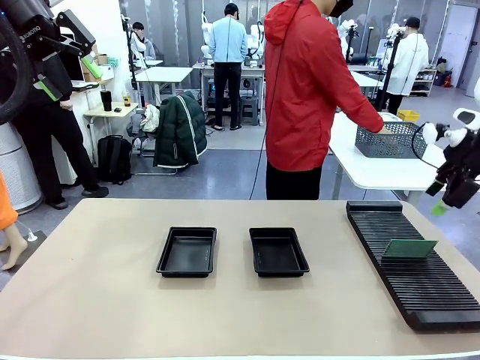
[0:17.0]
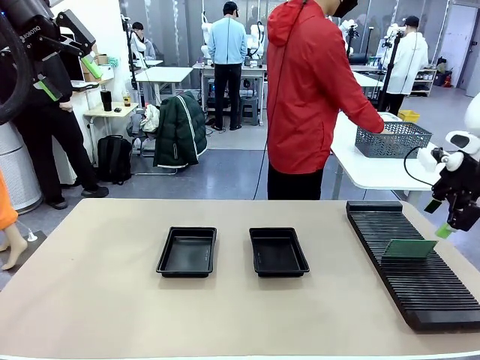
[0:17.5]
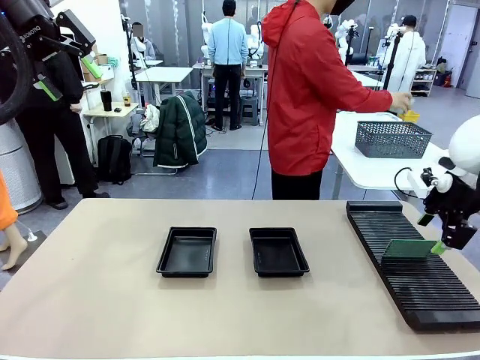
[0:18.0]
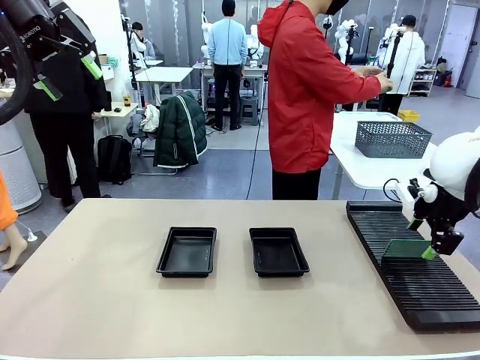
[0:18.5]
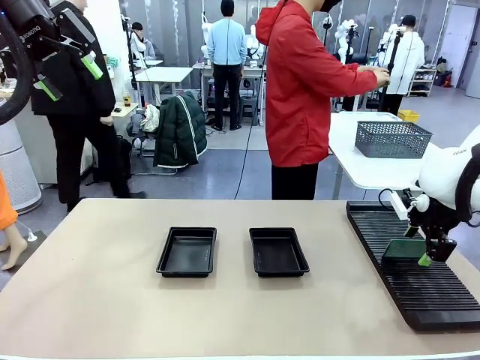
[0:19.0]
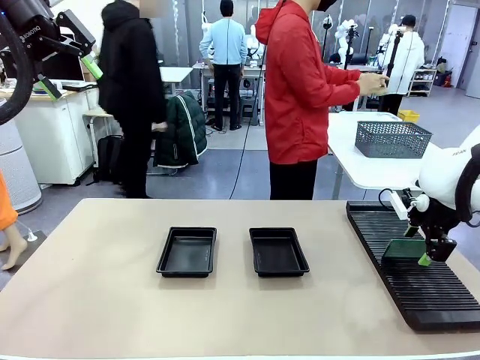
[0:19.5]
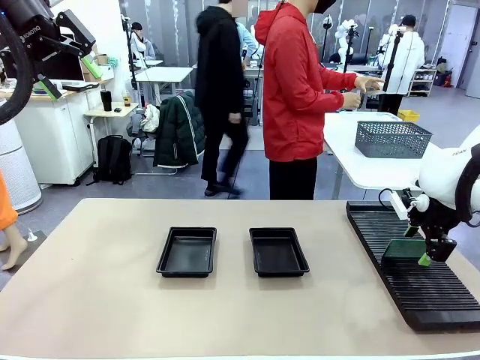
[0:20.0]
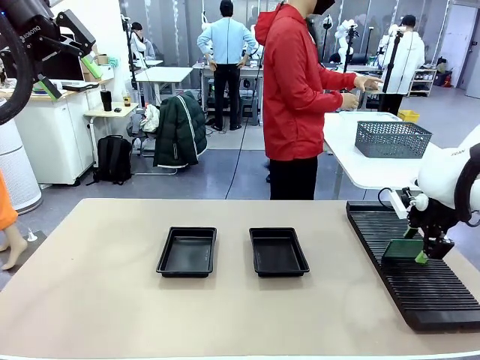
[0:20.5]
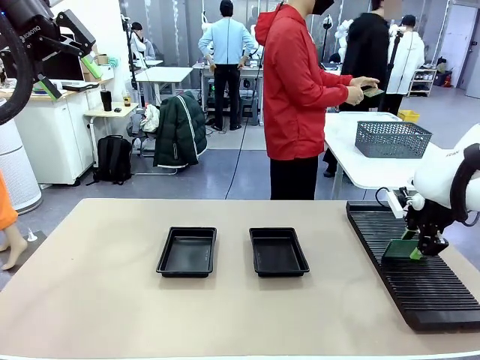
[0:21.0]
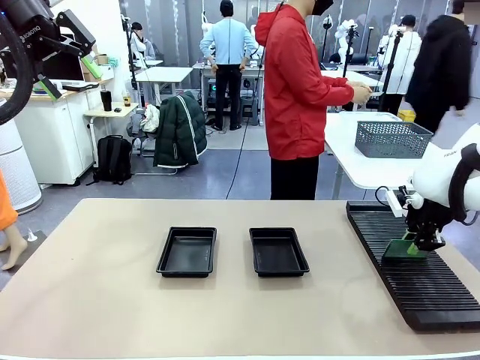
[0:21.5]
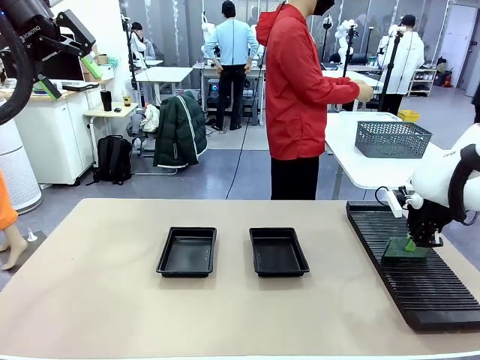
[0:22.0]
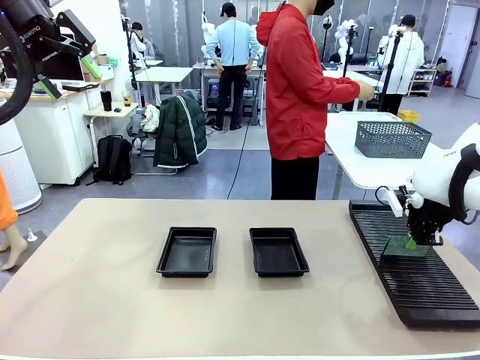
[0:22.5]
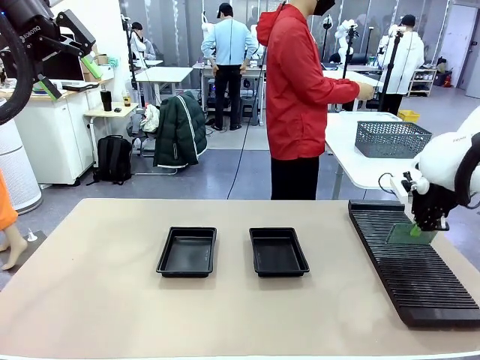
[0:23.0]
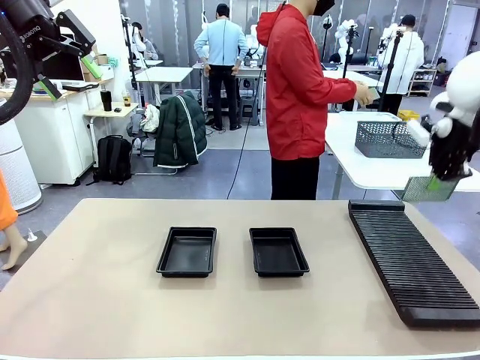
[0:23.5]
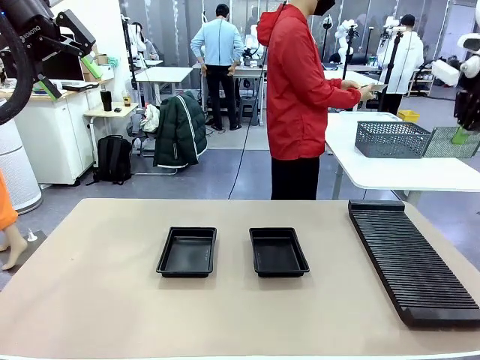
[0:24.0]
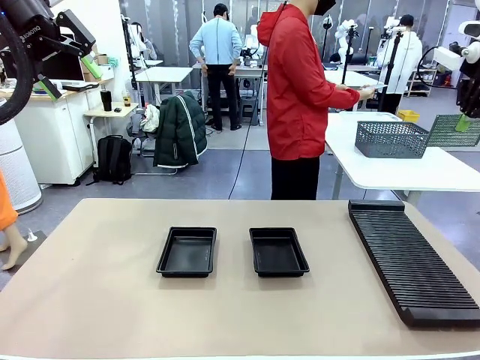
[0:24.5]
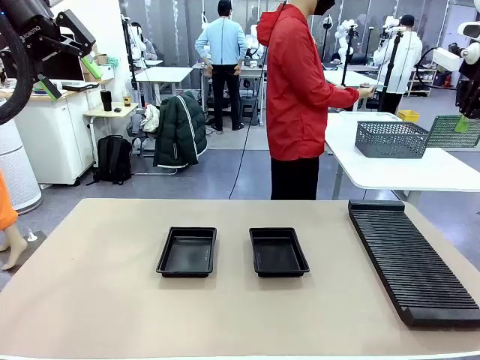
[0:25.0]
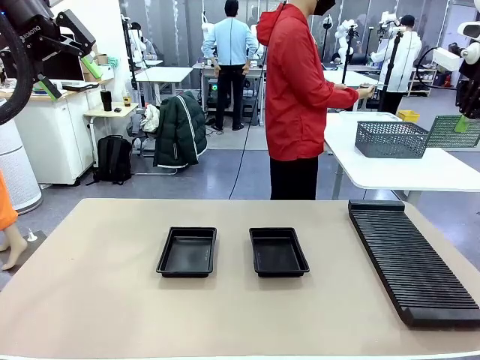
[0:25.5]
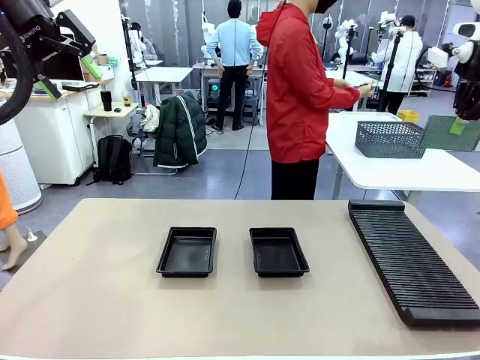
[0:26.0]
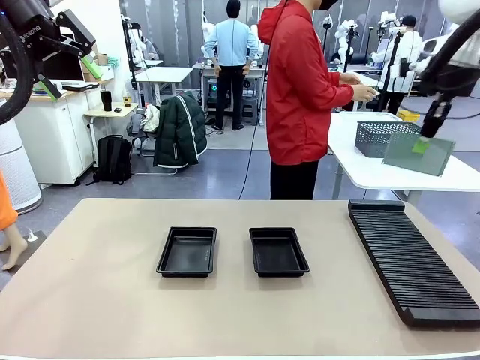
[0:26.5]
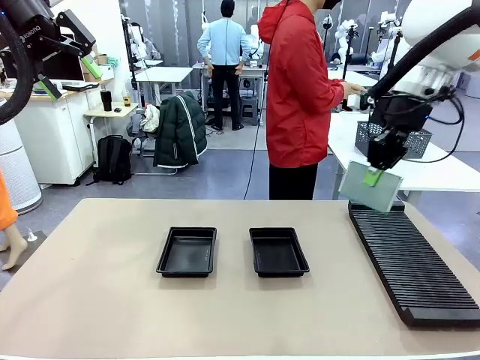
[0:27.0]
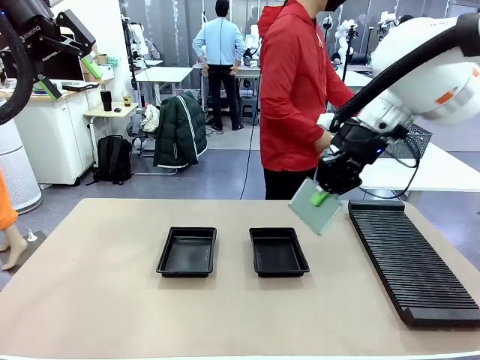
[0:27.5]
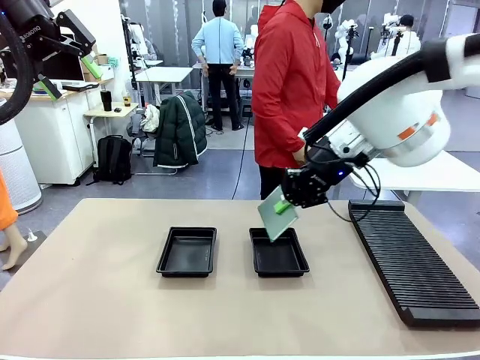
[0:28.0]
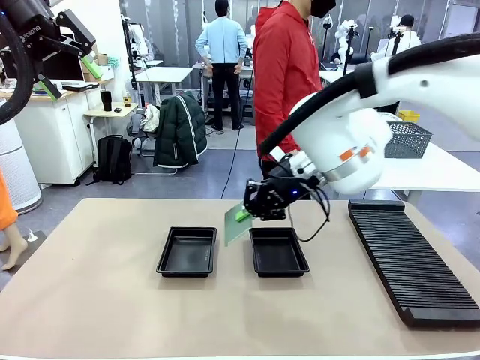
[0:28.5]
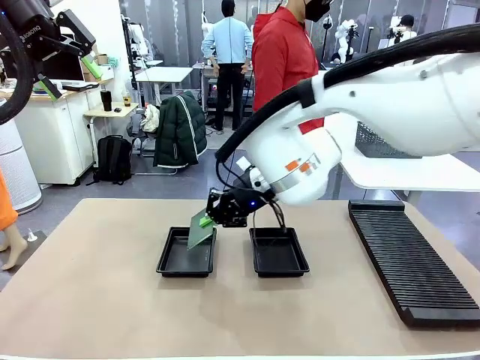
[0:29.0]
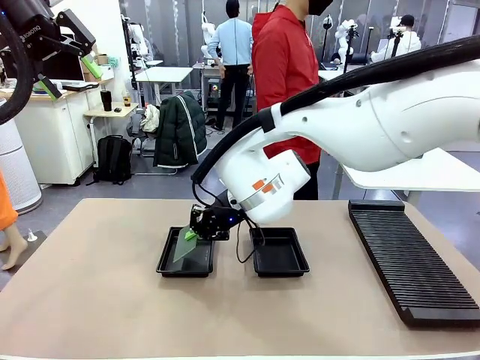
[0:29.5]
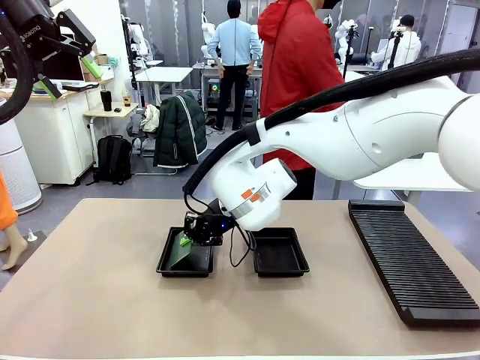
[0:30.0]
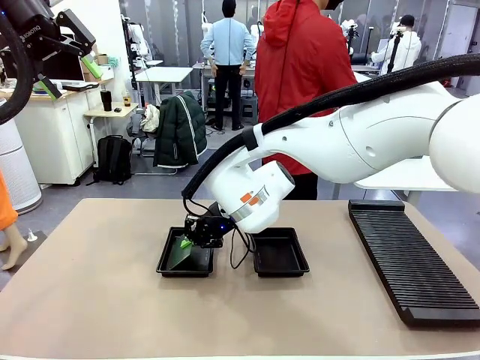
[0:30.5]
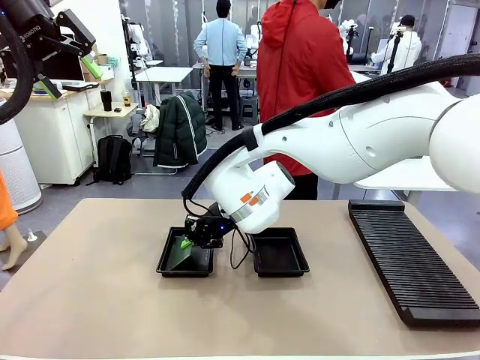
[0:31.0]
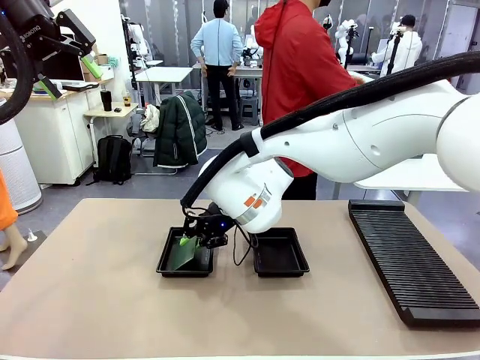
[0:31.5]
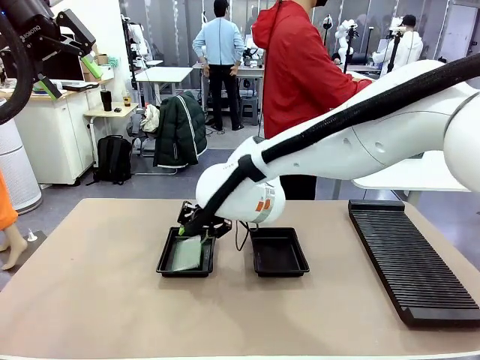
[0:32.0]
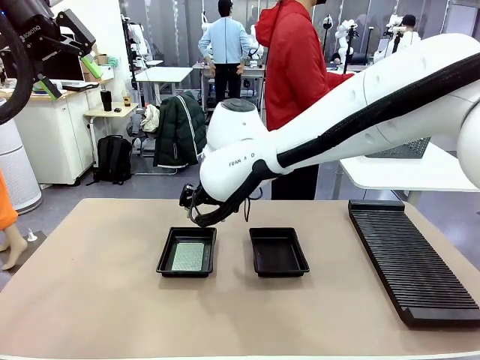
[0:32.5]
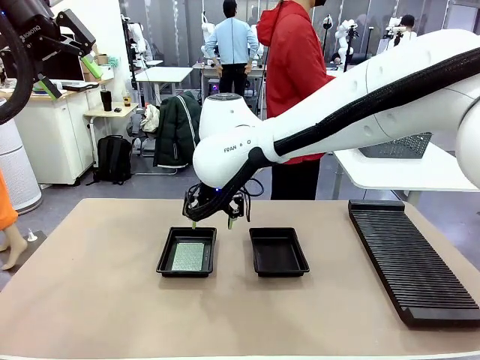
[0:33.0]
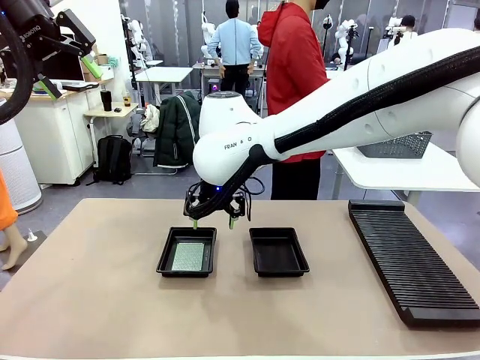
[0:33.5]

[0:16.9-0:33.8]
Task: Inspect and transfer BCBs to ESD trays.
Robot: Pick up the Blank PCB from the PCB Rack and place it in the left ESD tray.
